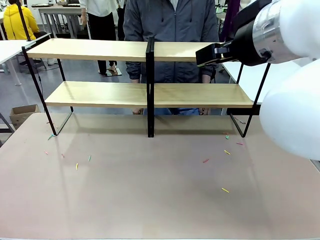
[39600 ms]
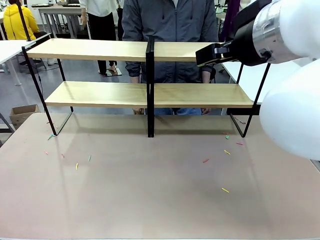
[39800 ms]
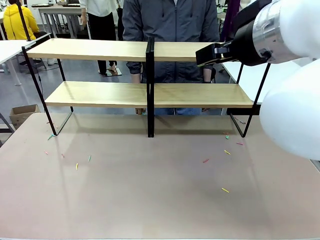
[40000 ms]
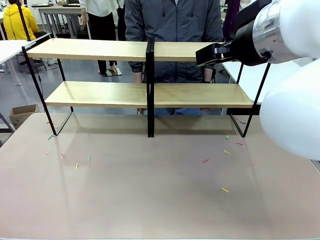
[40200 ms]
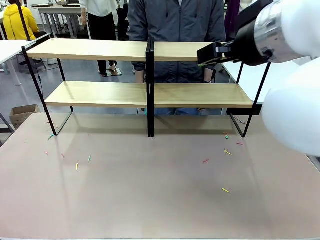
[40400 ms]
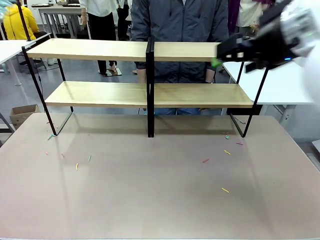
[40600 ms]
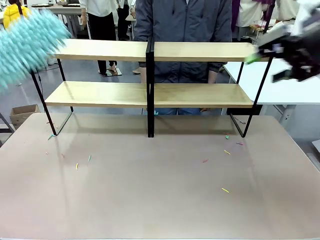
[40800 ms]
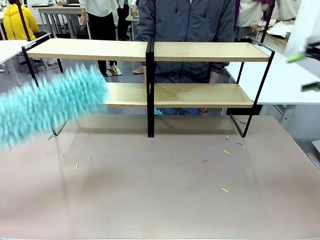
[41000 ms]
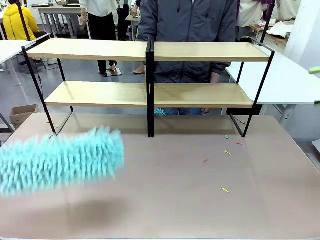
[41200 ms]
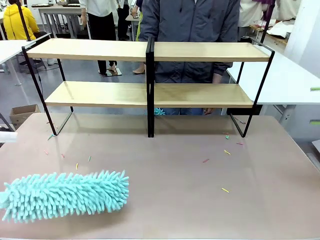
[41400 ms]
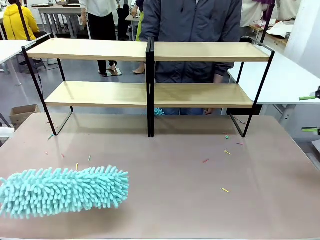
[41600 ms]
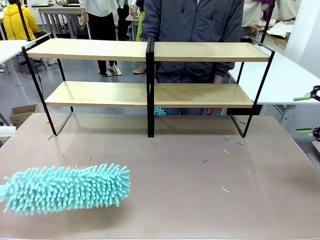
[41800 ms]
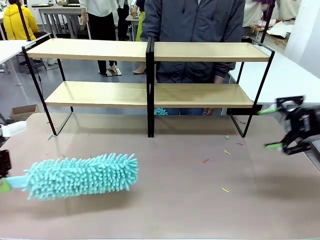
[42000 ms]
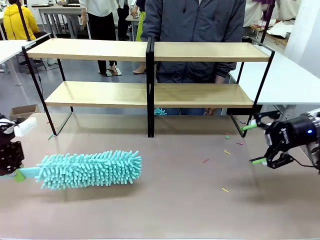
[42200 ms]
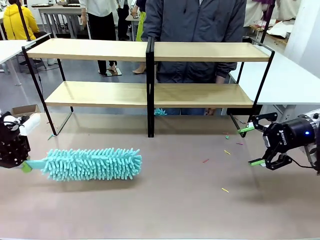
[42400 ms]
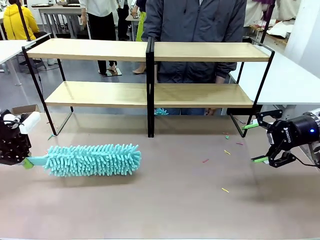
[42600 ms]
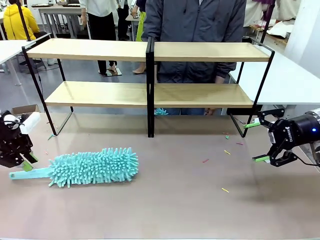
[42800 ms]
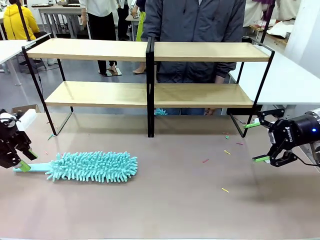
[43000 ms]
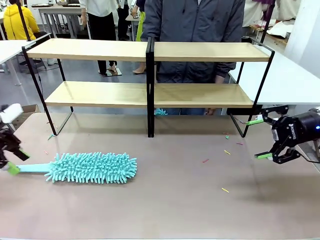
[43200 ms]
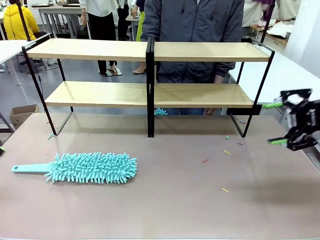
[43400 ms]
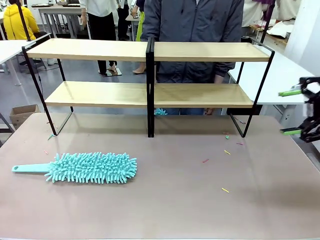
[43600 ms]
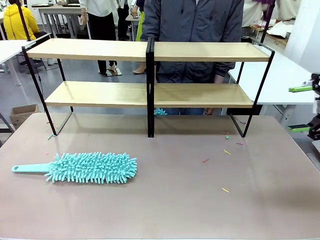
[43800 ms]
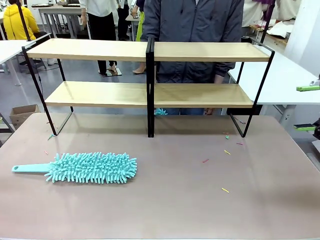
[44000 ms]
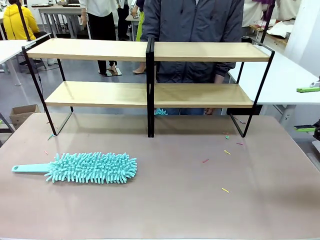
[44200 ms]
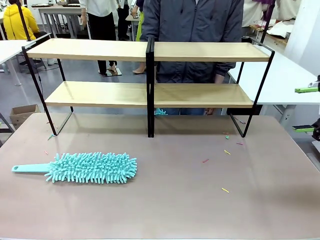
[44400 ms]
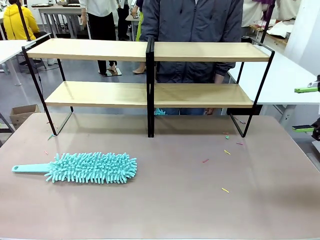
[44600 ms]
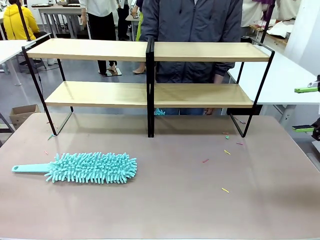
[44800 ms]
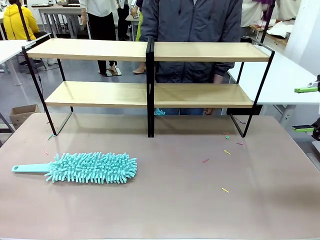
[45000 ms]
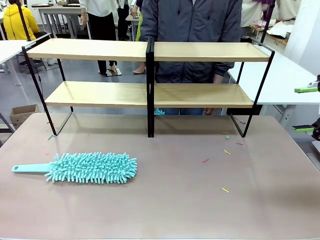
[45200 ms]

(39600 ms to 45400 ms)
Task: Clean the shelves.
Robot: Place the Duster on the table.

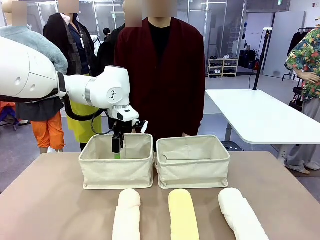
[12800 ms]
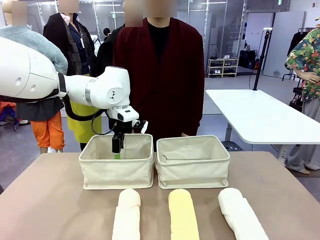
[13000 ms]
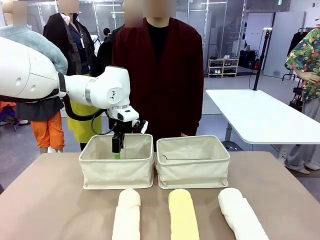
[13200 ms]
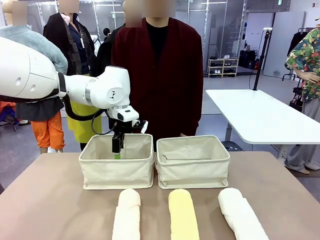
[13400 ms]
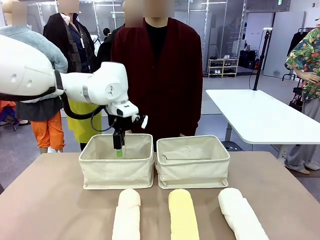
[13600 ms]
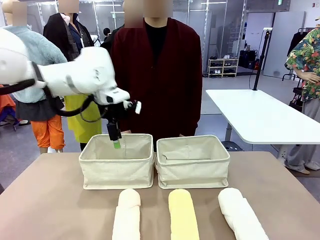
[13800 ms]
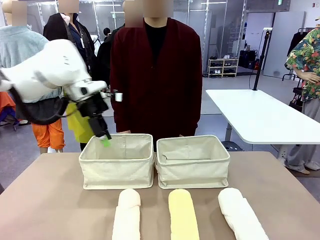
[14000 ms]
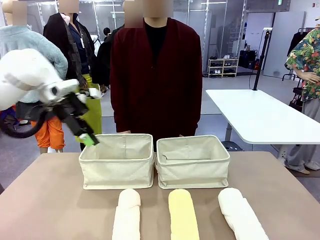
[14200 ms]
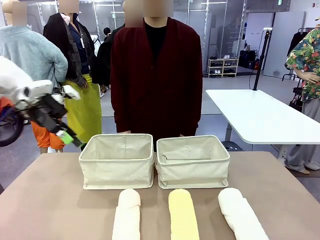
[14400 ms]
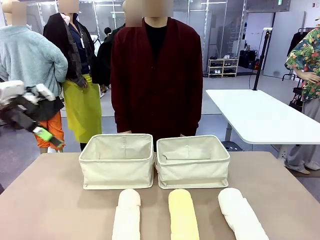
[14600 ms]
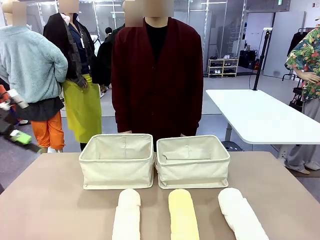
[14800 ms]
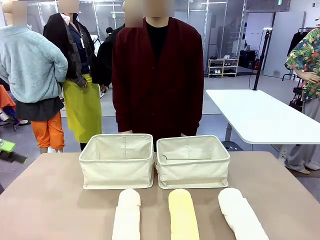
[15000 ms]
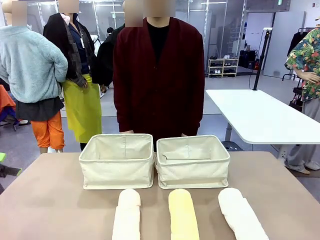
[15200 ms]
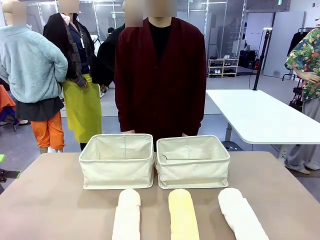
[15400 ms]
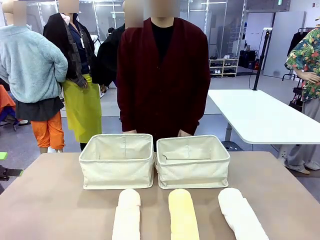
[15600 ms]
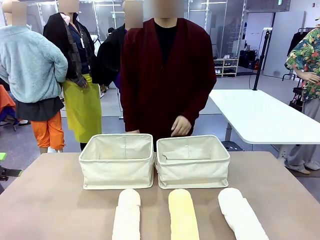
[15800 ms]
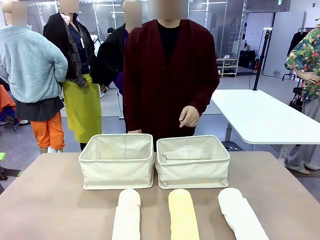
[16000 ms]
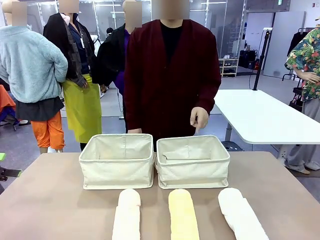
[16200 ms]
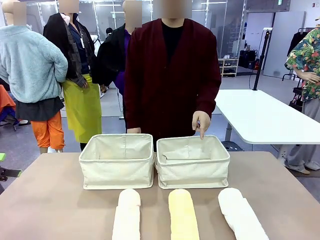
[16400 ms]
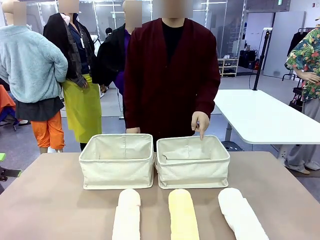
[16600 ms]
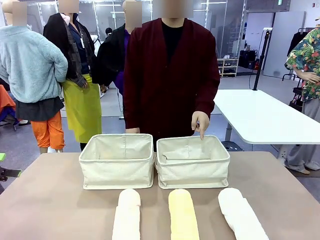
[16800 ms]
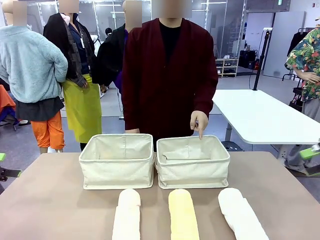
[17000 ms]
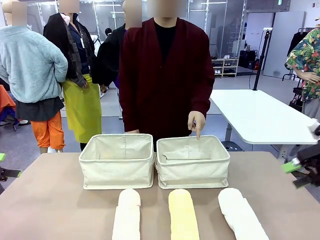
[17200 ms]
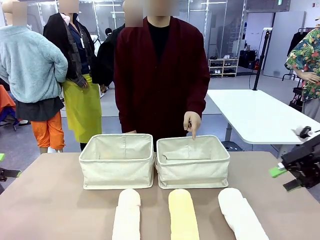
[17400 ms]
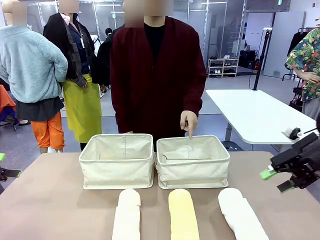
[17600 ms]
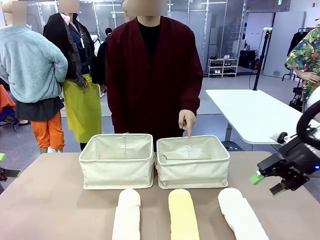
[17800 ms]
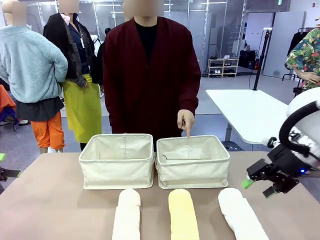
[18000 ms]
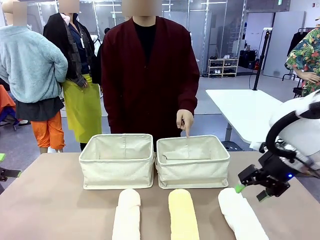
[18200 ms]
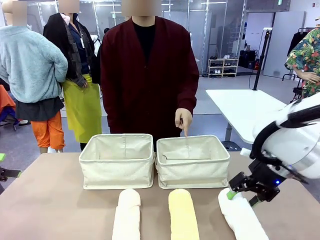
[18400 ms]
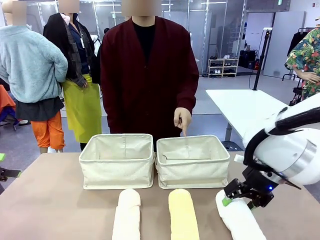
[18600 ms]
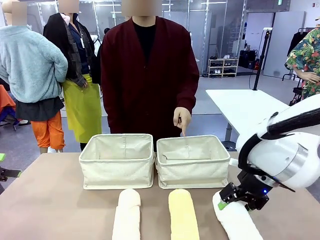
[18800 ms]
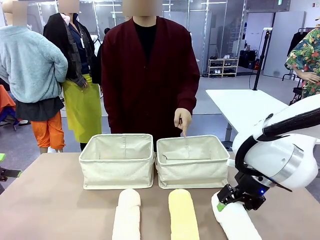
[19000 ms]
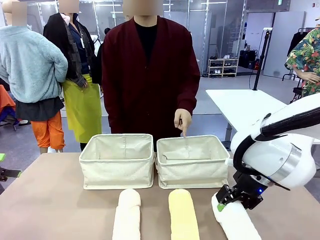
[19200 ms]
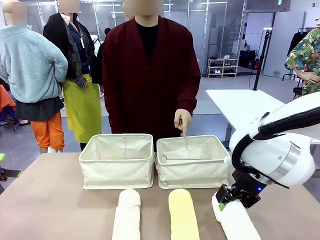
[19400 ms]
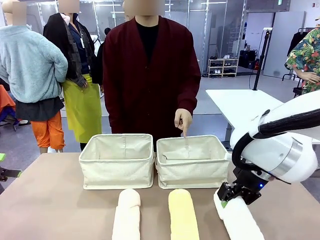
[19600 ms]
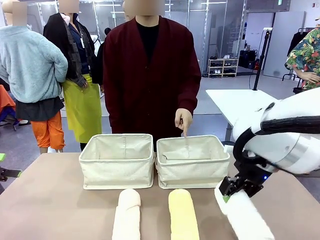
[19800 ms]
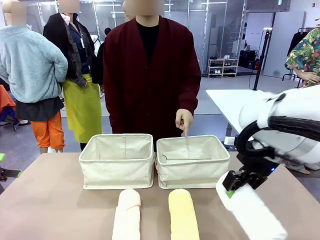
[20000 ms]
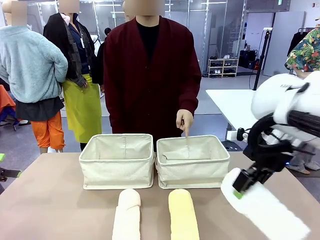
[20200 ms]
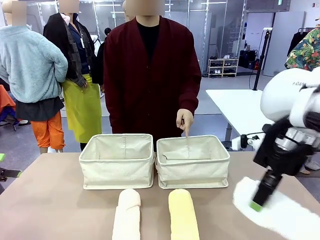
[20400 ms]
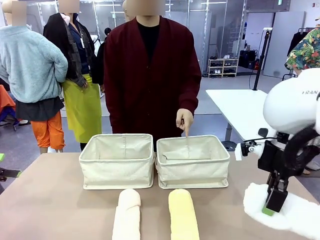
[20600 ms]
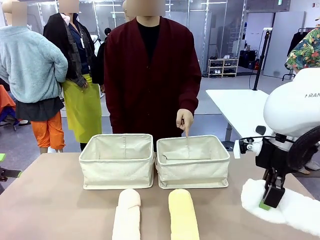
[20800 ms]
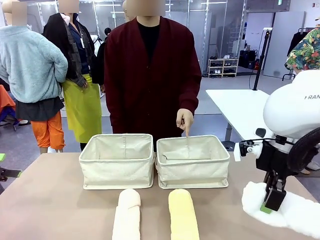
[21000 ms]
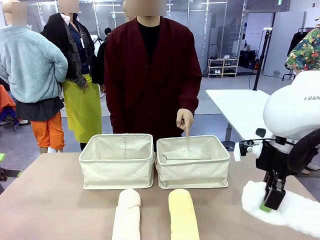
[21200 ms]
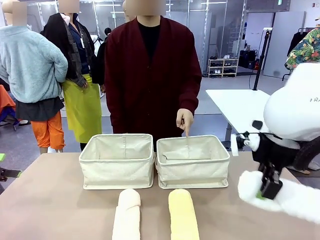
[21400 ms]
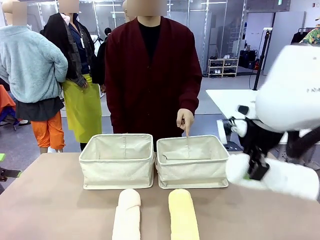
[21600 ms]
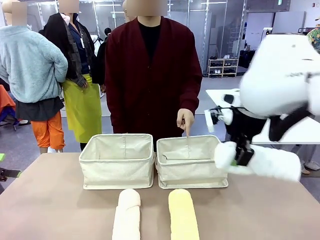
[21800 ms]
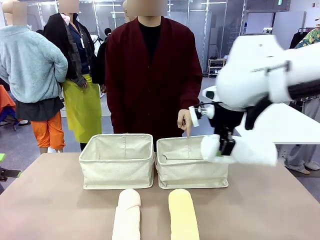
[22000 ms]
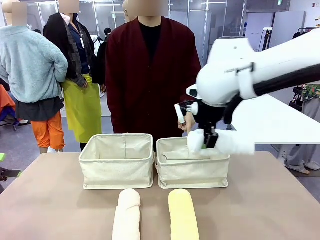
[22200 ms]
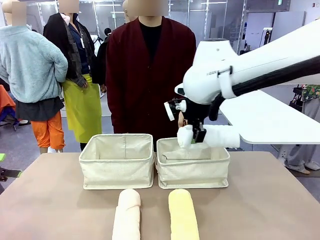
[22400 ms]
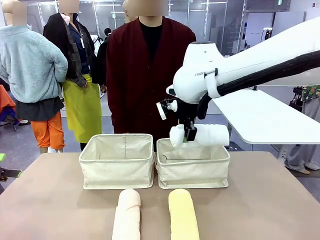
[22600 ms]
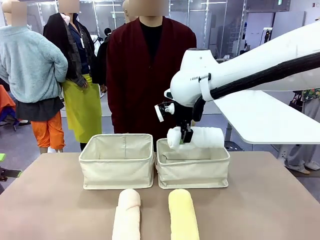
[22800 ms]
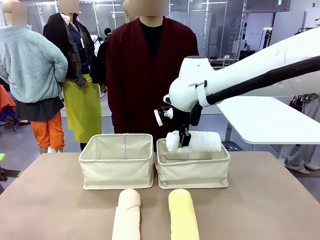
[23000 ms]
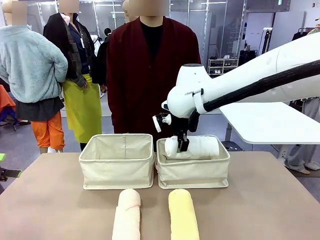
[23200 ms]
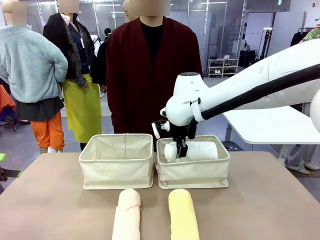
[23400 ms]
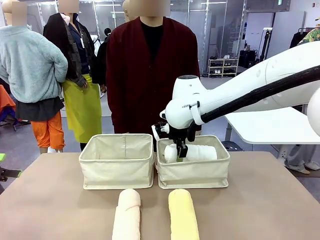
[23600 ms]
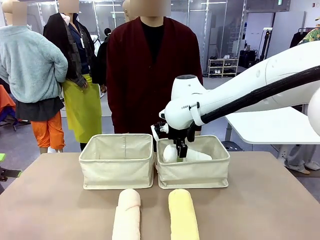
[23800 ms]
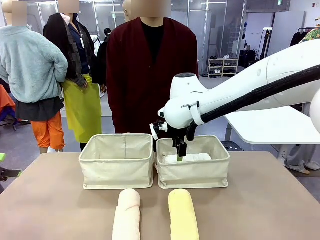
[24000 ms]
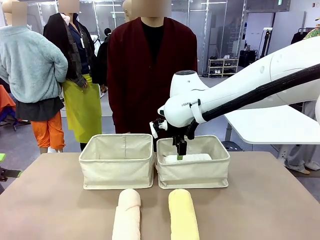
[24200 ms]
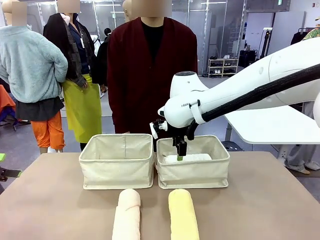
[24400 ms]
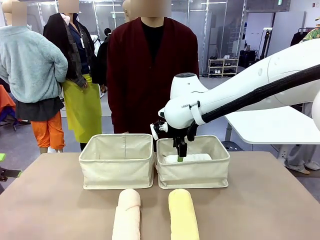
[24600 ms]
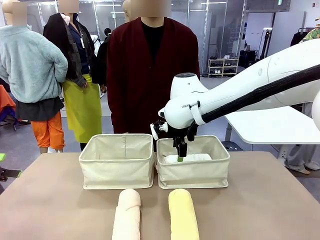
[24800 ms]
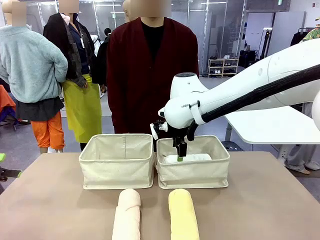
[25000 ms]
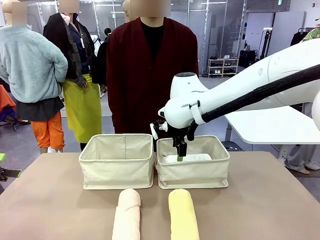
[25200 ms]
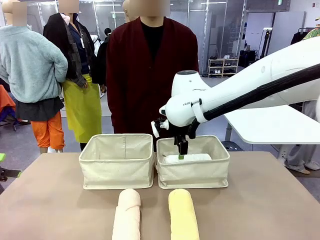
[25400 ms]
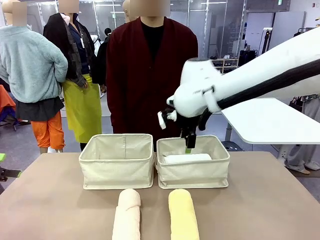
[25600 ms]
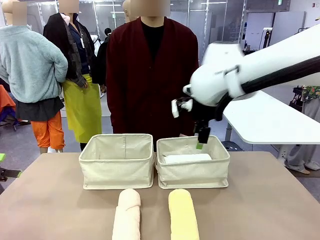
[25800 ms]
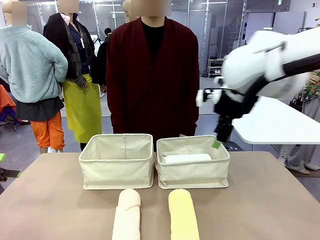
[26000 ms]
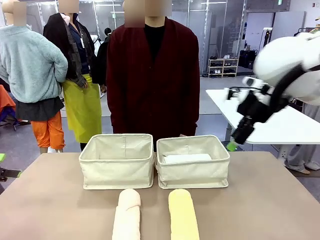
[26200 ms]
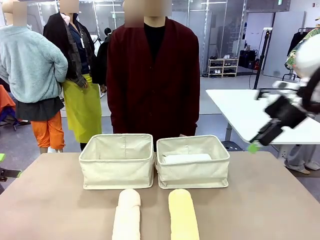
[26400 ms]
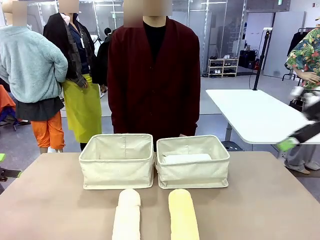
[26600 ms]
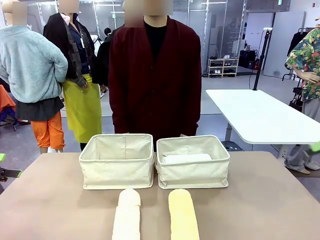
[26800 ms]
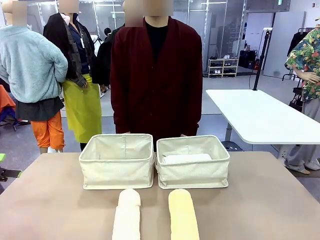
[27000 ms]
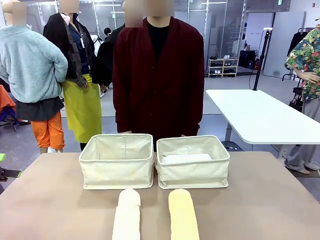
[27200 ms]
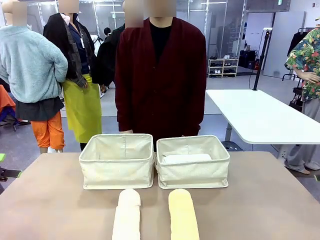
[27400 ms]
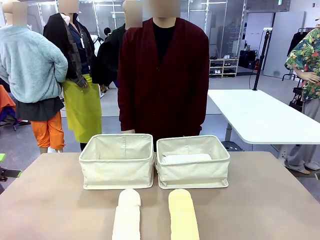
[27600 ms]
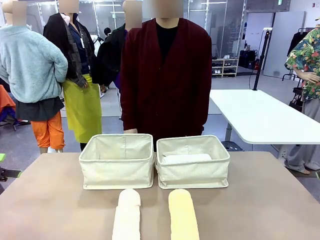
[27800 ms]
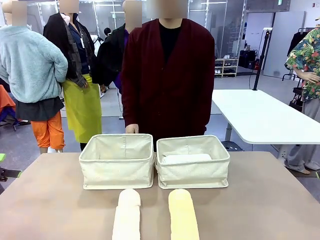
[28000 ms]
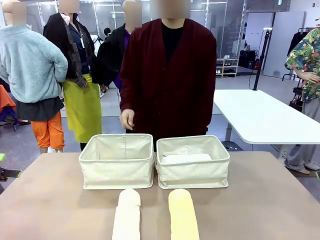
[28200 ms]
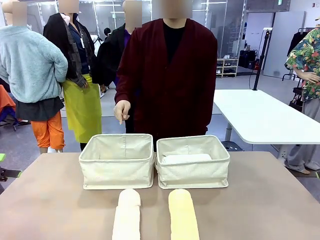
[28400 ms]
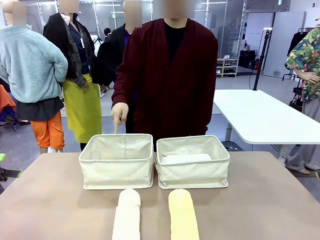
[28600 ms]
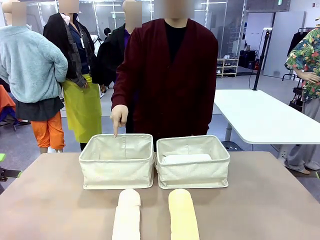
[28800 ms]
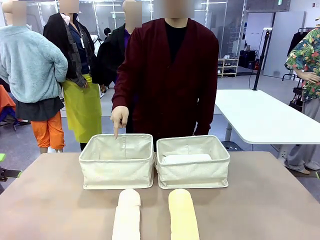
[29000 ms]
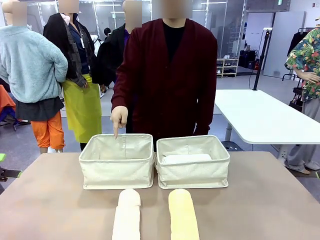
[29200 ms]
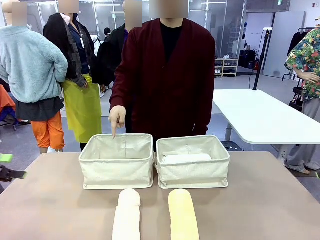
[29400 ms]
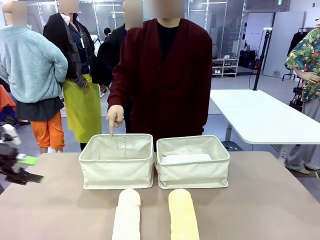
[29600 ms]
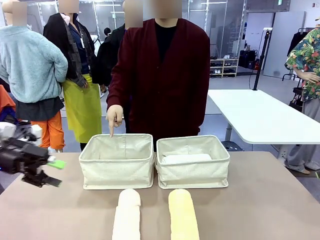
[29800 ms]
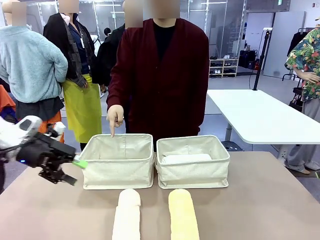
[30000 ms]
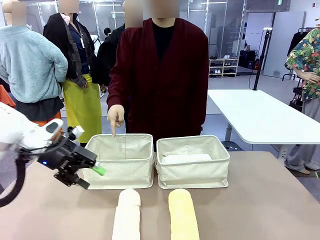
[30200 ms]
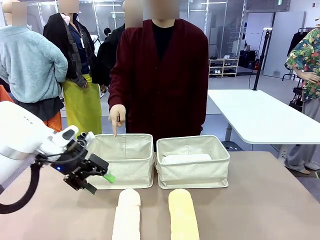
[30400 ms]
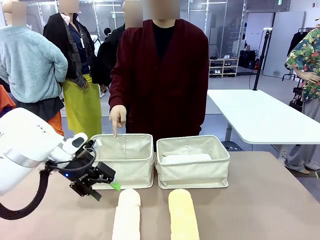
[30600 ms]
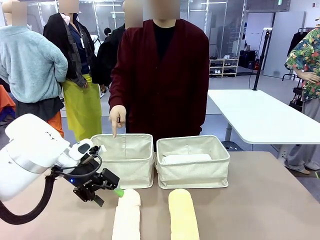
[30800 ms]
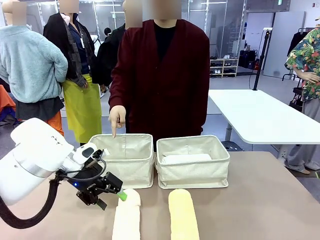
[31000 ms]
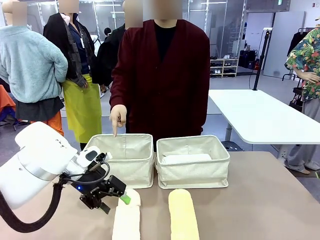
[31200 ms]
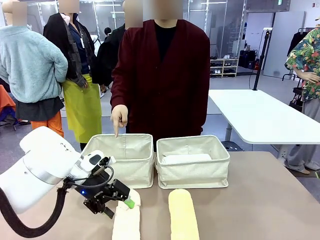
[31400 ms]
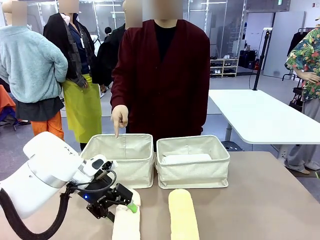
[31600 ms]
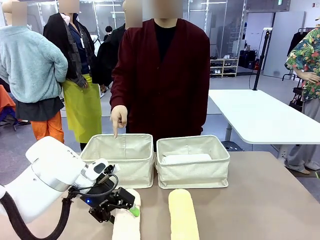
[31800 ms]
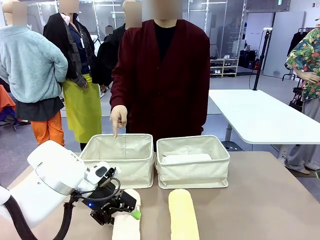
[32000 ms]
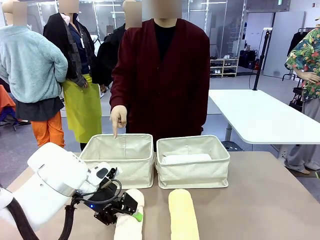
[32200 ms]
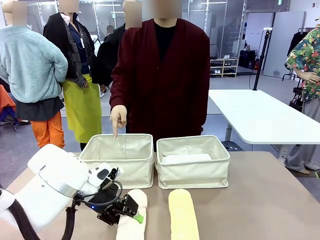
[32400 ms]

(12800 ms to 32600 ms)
Task: Divide the towels into two baskets.
Robot: Pick up one hotel-folded towel from the bottom of the table and place it in the Fabric basket indicated by the person.
